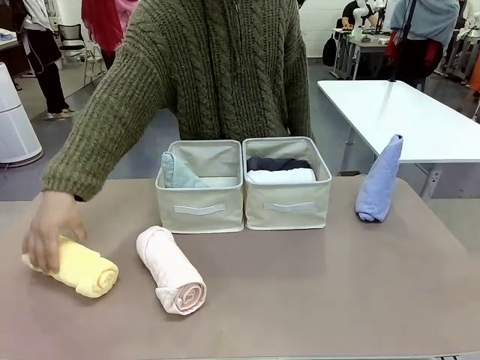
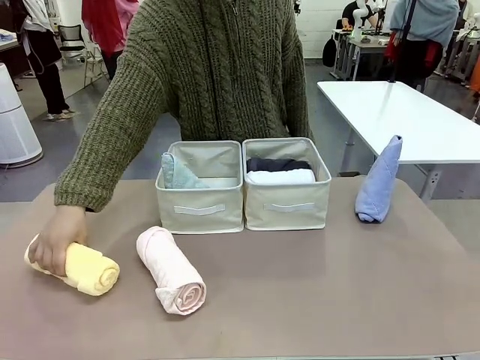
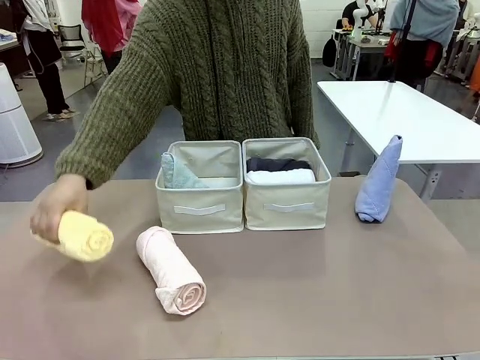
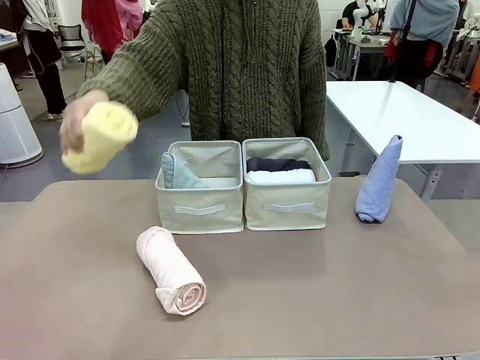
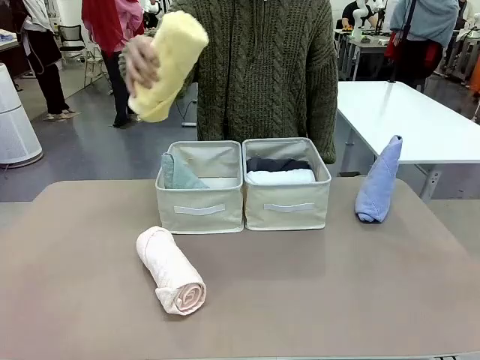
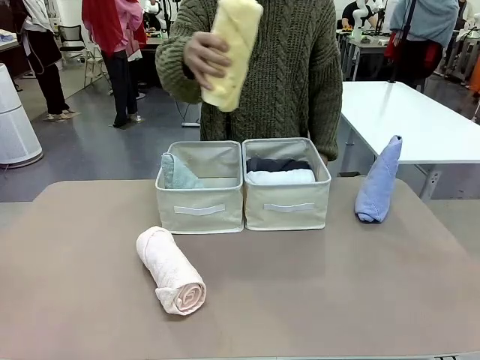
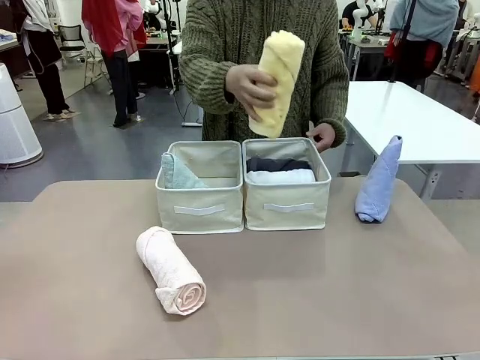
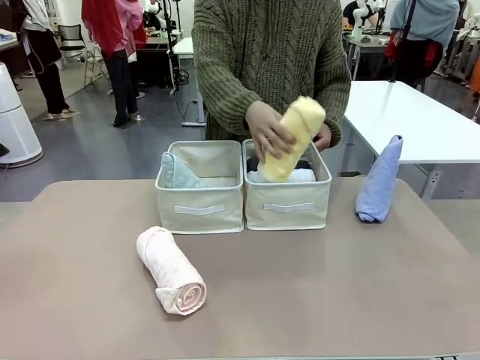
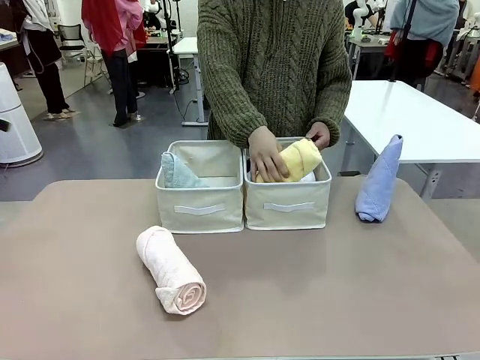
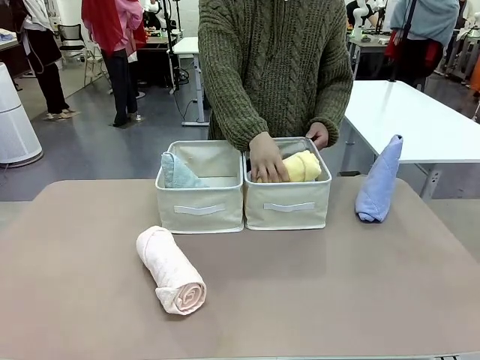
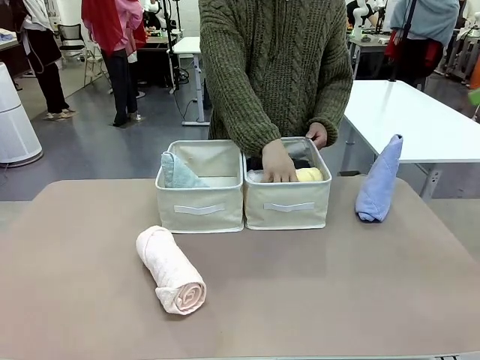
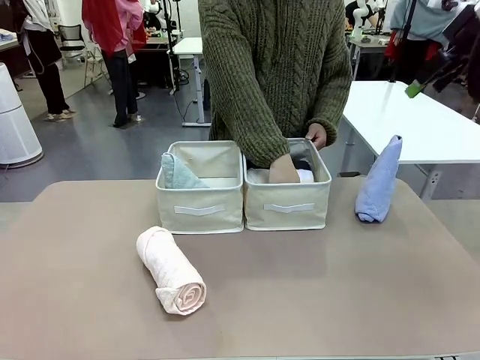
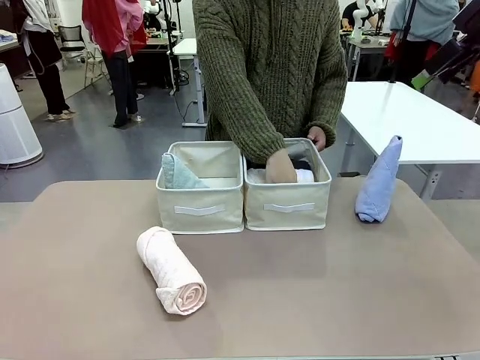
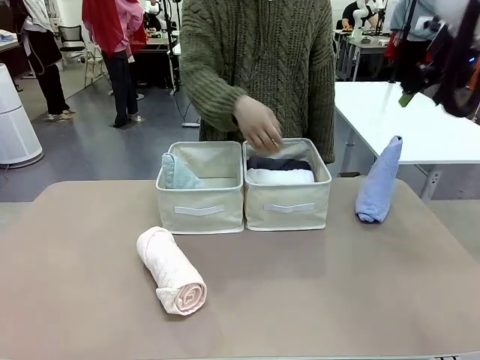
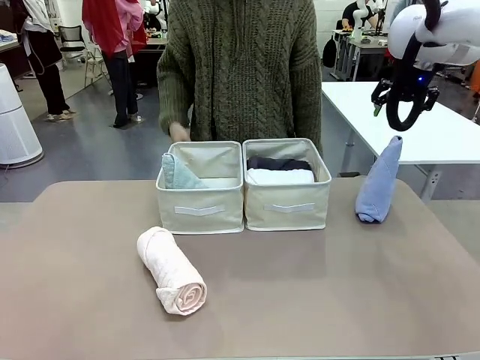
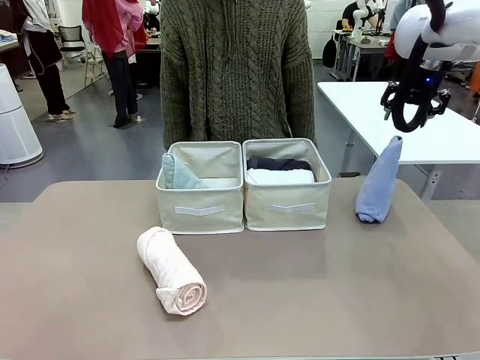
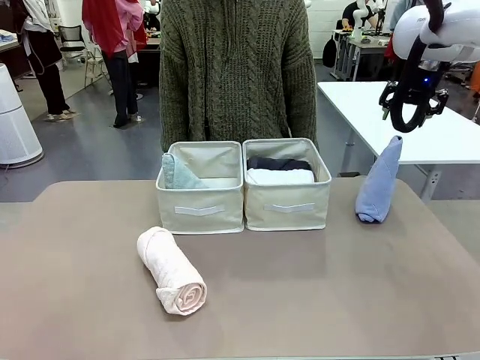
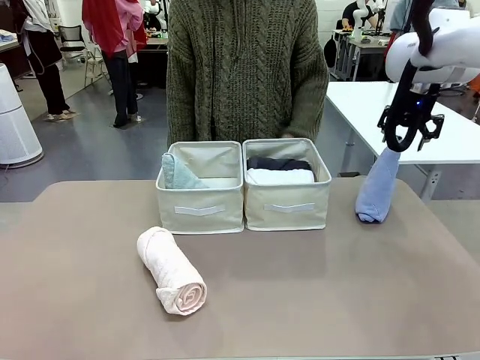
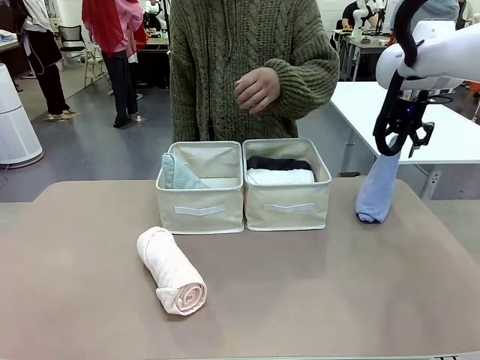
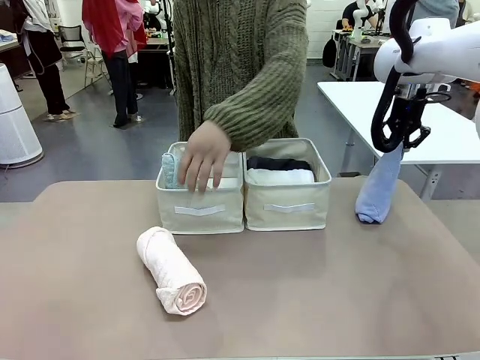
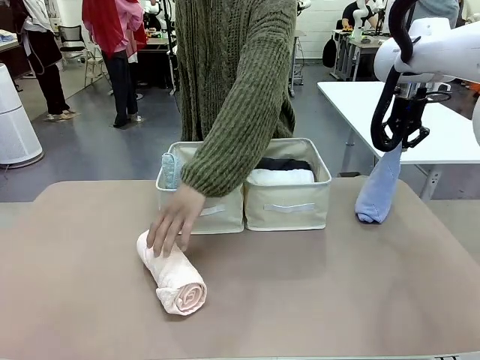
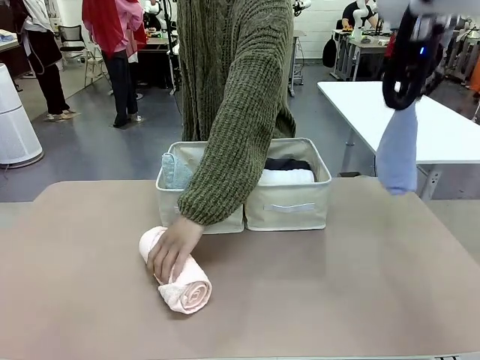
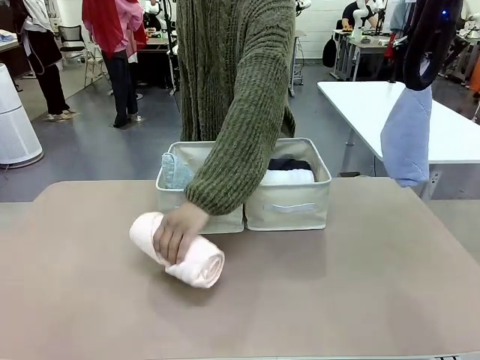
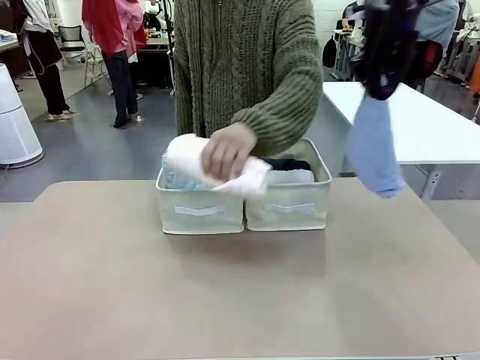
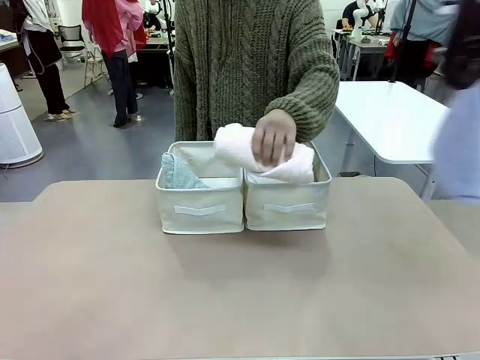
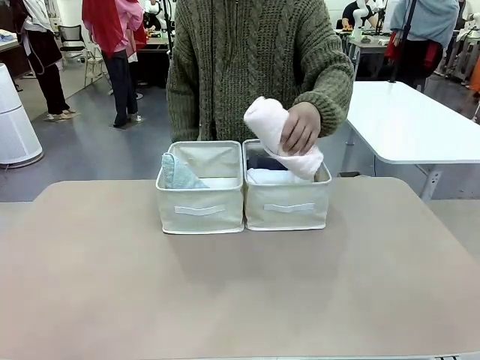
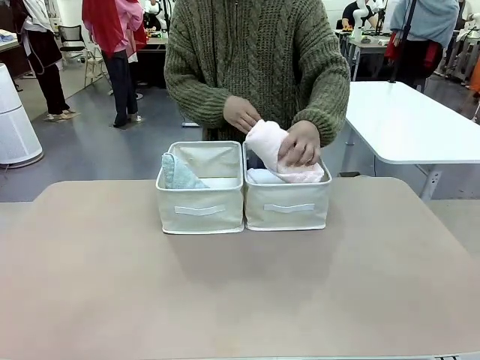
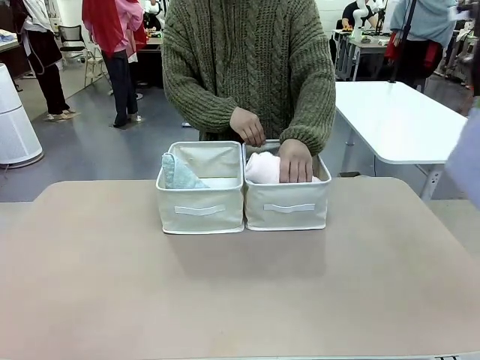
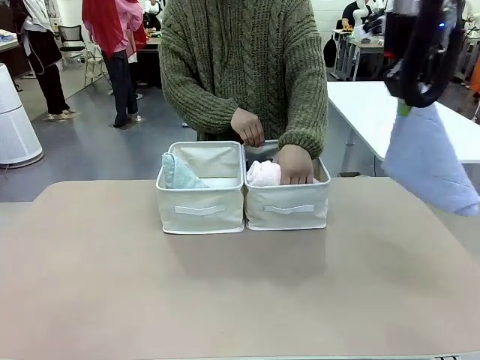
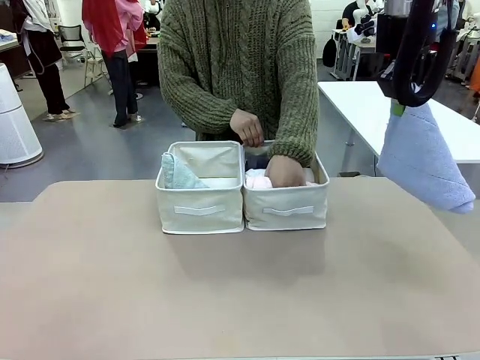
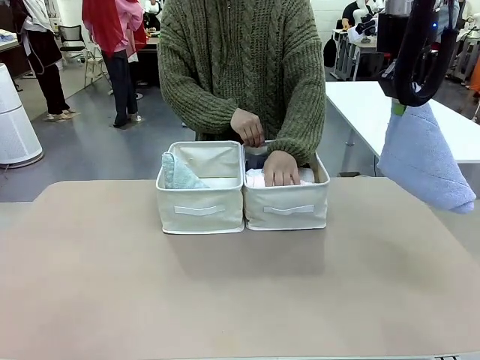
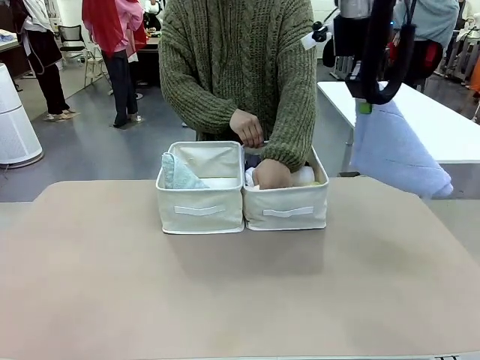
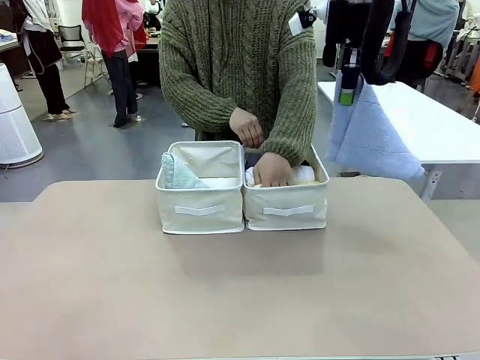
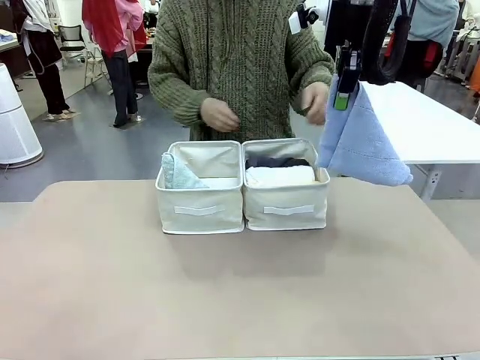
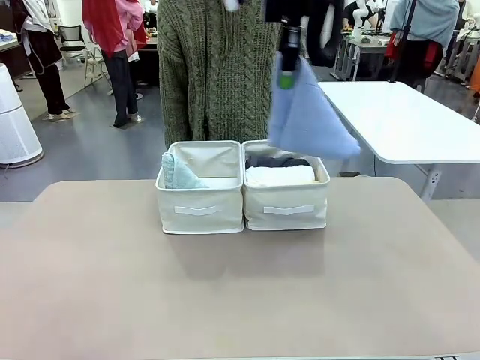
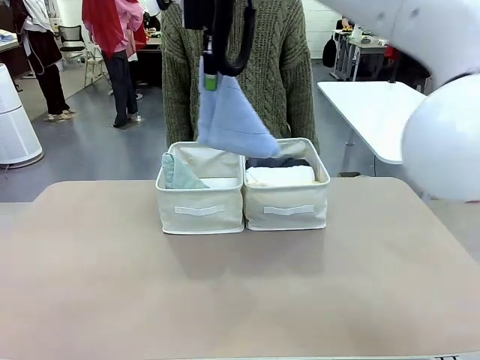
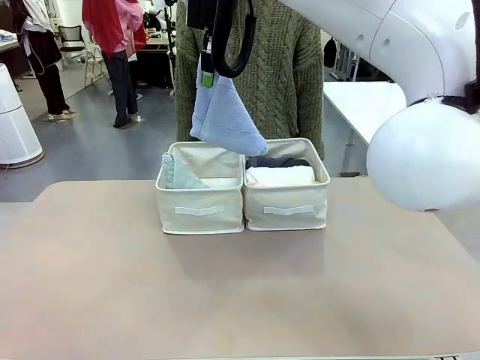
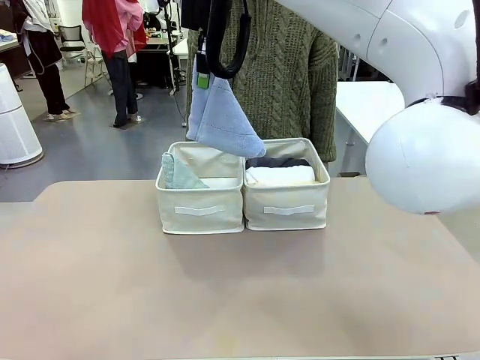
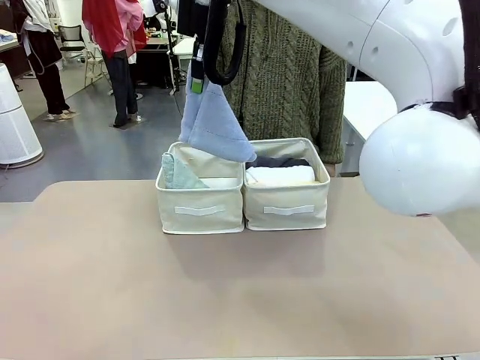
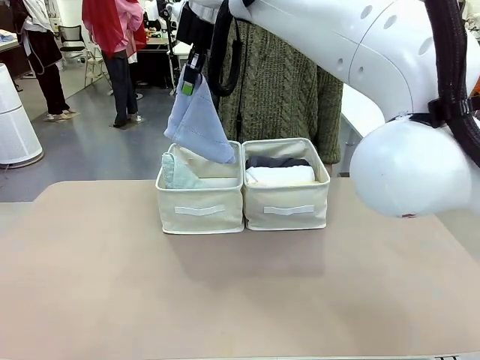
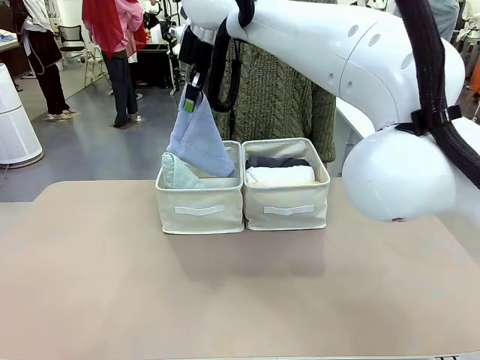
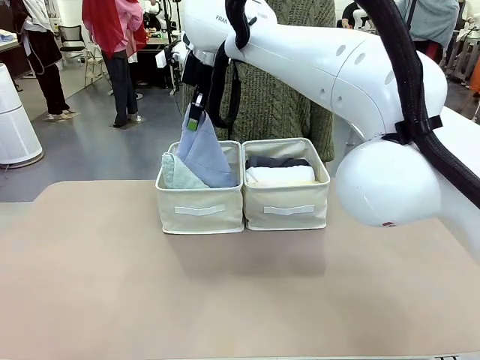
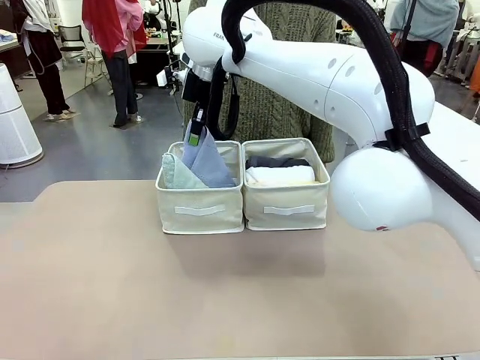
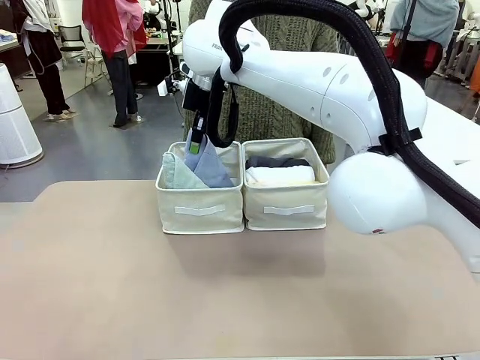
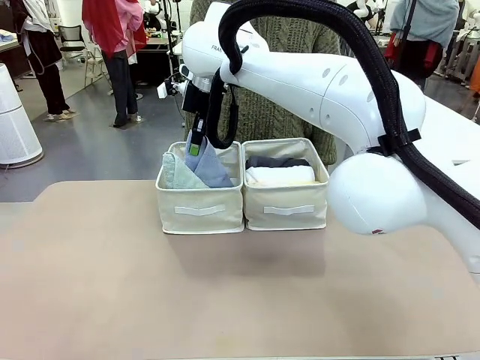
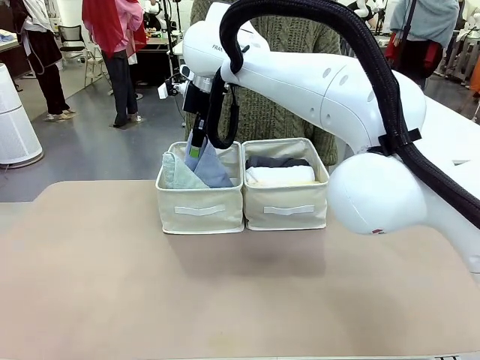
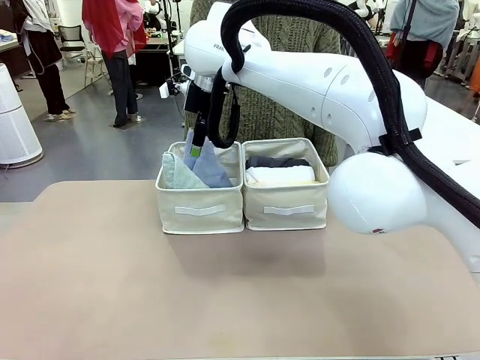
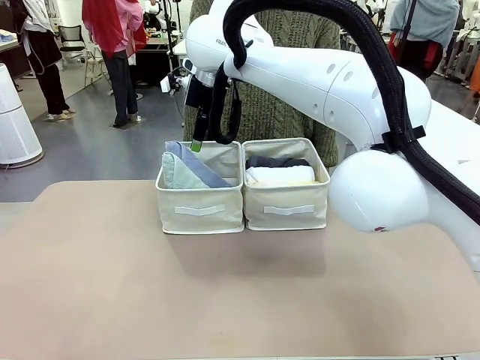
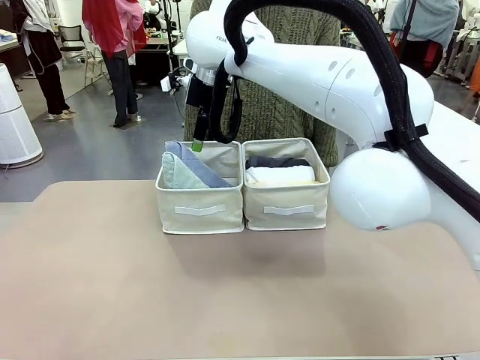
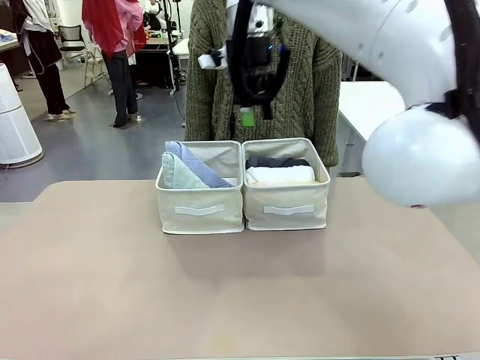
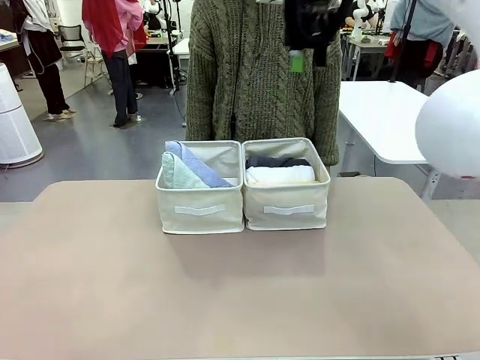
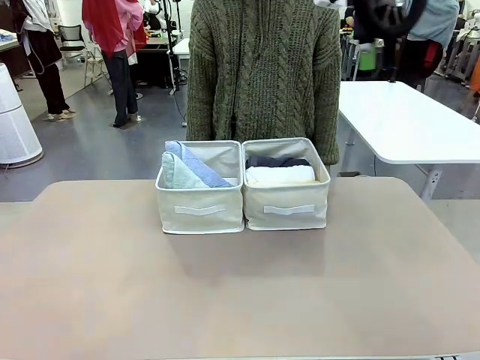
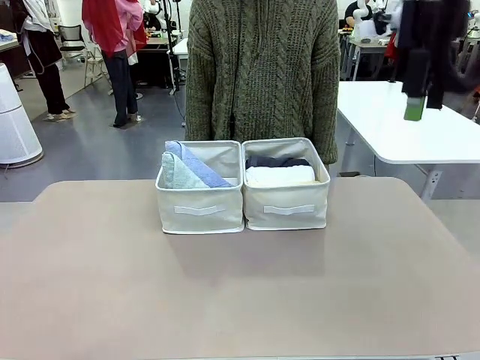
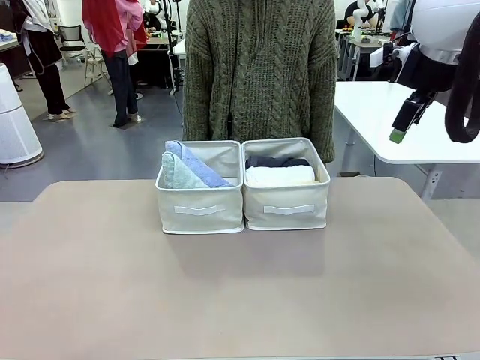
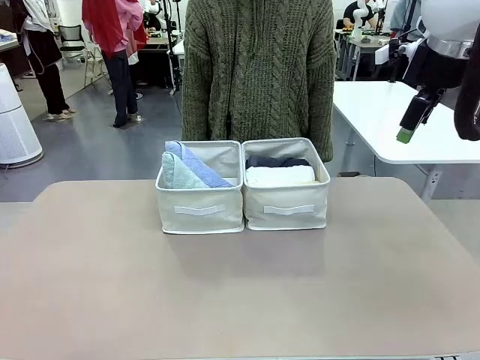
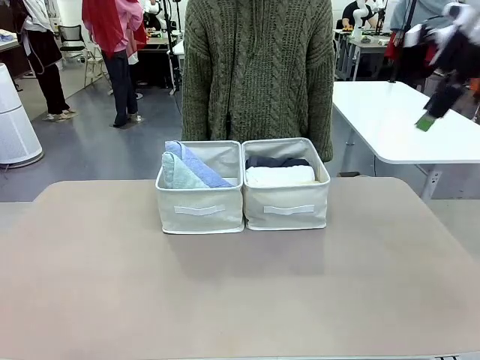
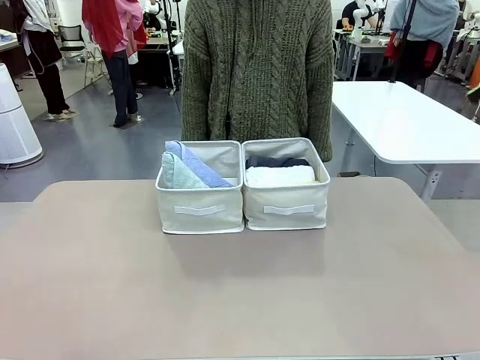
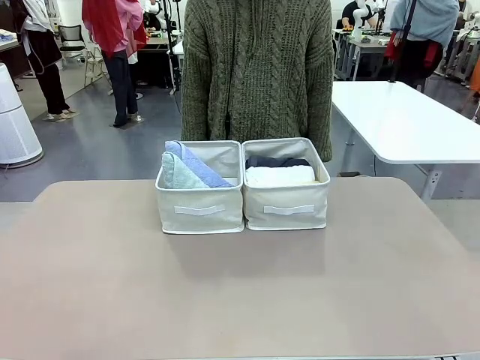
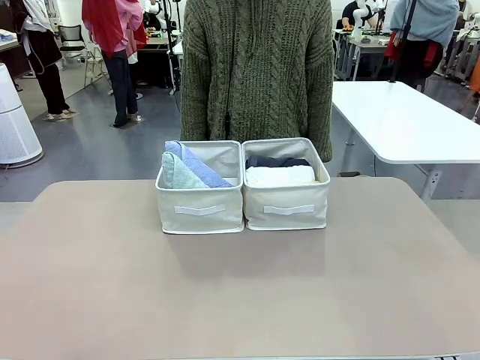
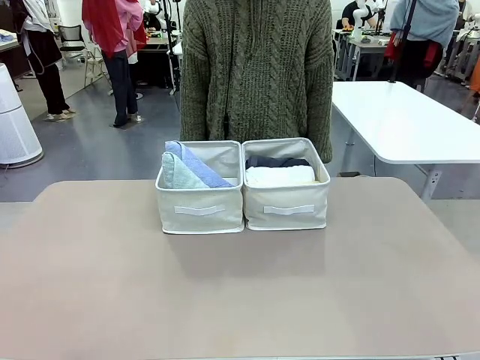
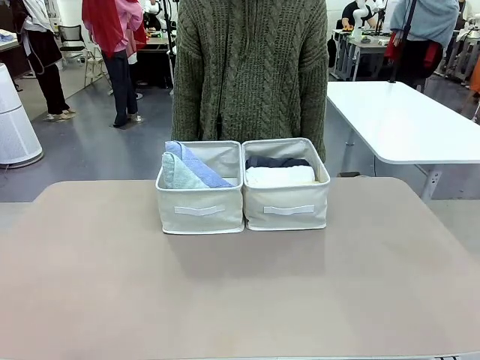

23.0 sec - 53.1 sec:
Task: Sort the towels based on their folding style.
Robot: Pick up another triangle-folded towel from the table and place it in the left Fabric basket.
Person: Pick up one hotel-style rolled towel from the table and place it in the left fabric basket.
